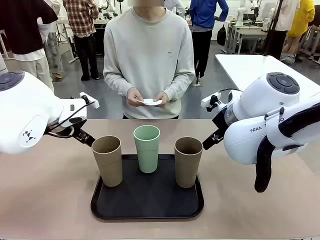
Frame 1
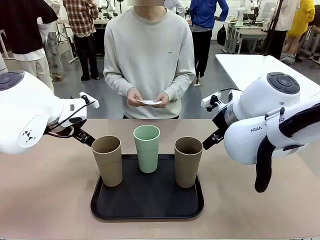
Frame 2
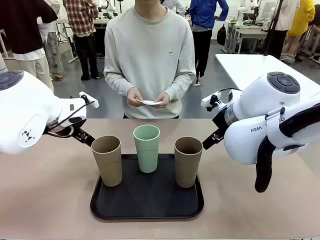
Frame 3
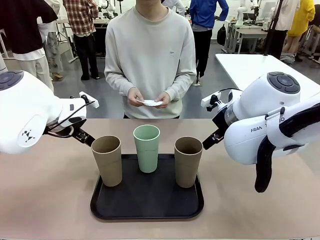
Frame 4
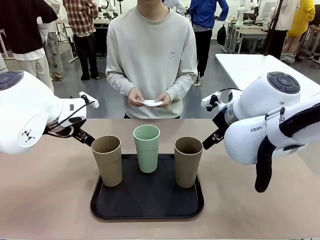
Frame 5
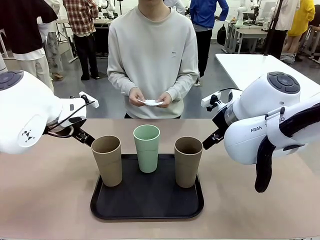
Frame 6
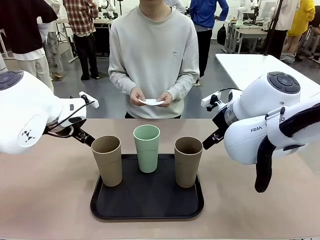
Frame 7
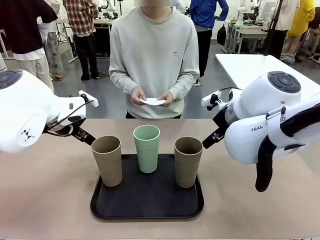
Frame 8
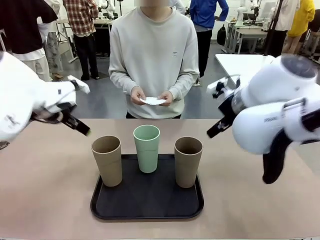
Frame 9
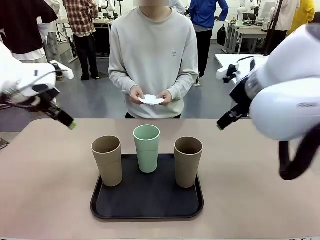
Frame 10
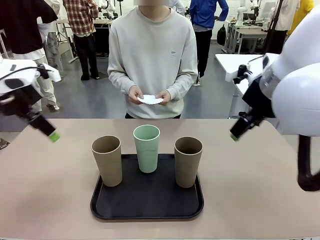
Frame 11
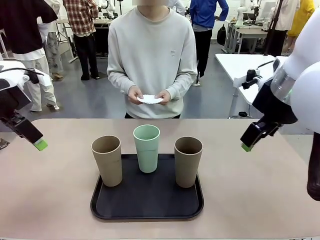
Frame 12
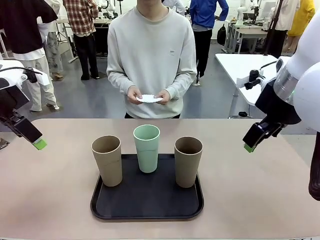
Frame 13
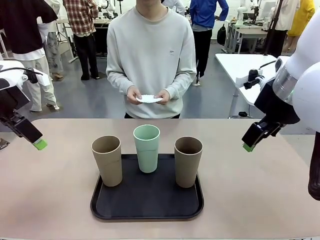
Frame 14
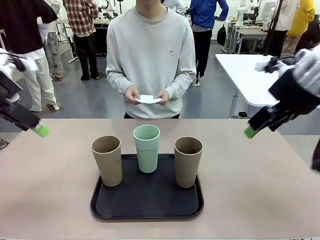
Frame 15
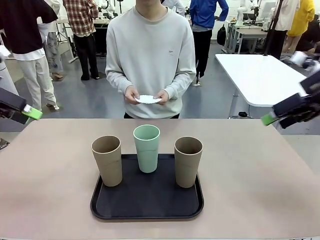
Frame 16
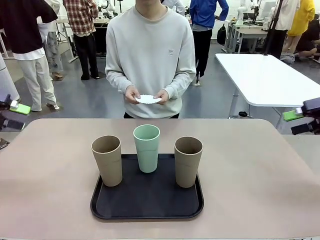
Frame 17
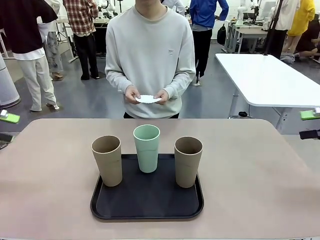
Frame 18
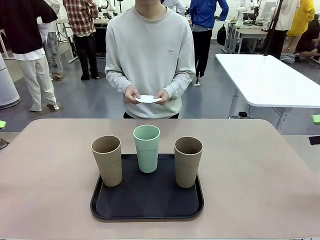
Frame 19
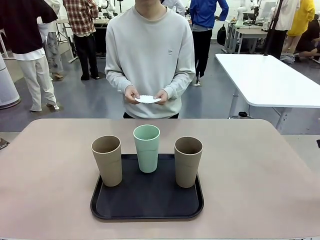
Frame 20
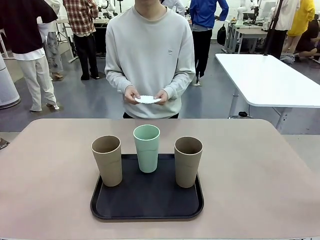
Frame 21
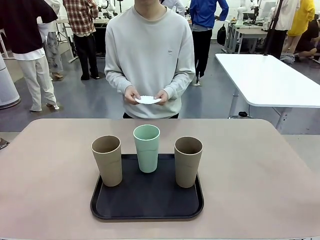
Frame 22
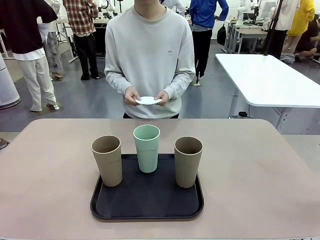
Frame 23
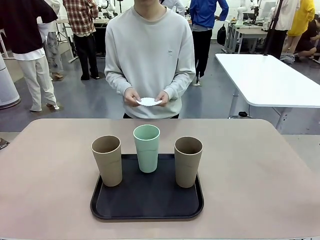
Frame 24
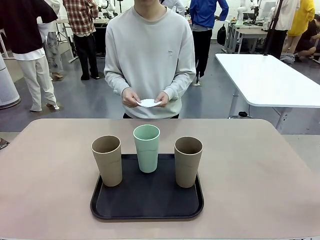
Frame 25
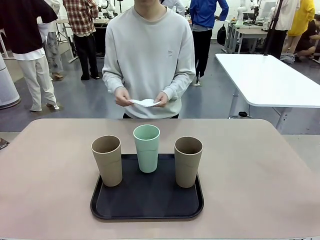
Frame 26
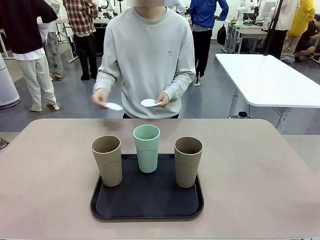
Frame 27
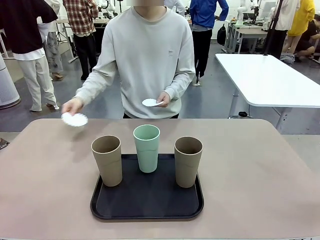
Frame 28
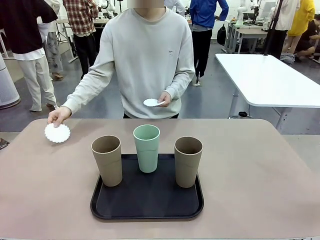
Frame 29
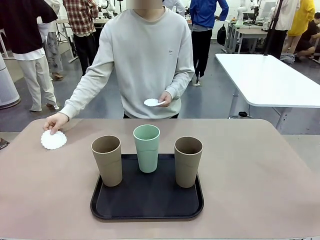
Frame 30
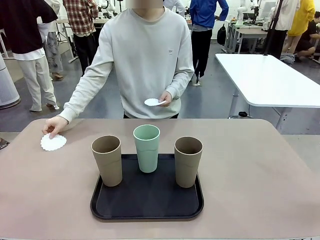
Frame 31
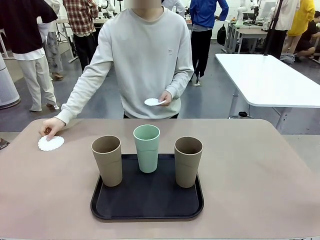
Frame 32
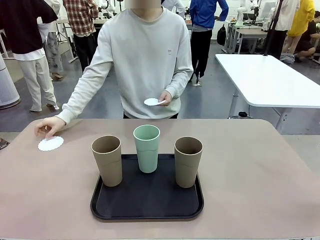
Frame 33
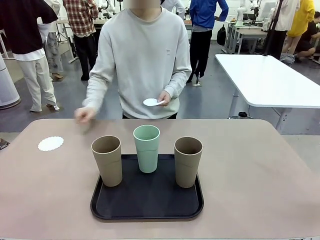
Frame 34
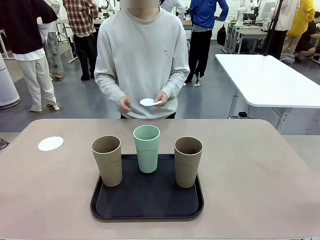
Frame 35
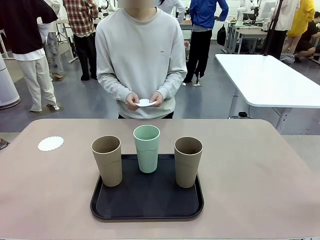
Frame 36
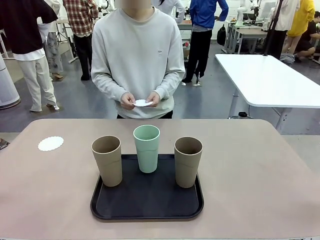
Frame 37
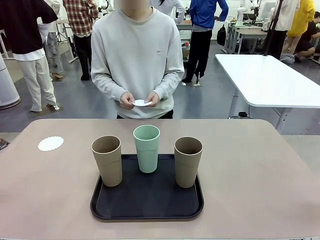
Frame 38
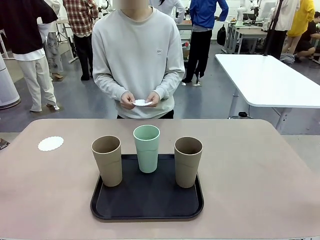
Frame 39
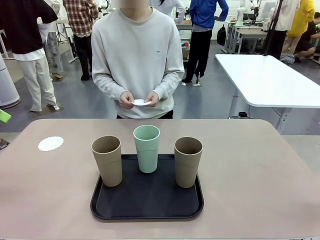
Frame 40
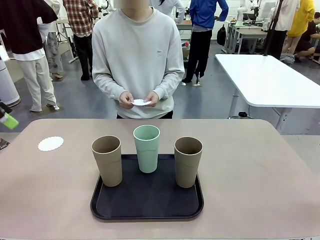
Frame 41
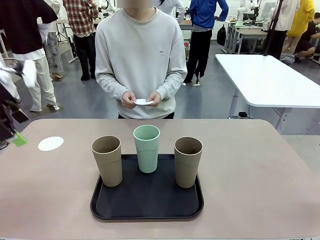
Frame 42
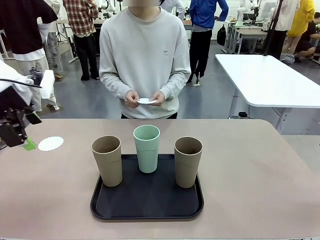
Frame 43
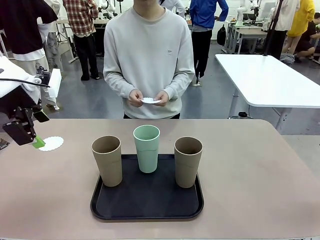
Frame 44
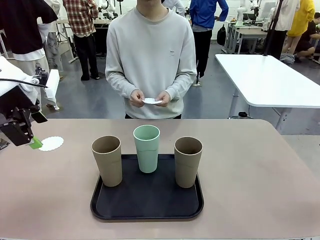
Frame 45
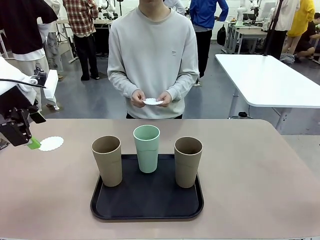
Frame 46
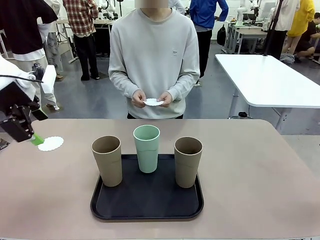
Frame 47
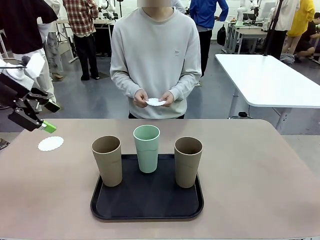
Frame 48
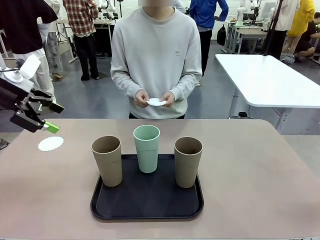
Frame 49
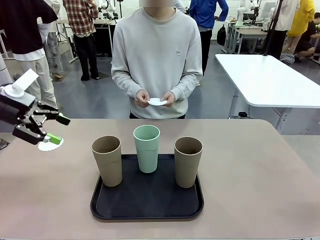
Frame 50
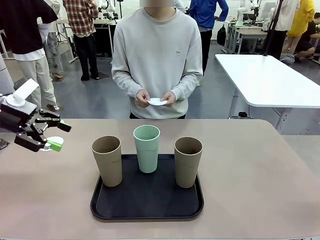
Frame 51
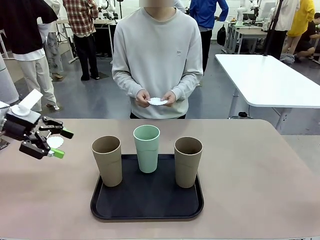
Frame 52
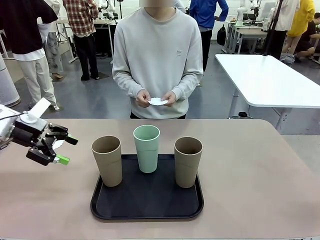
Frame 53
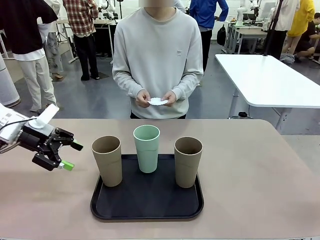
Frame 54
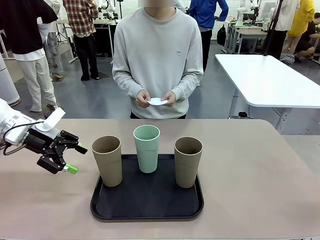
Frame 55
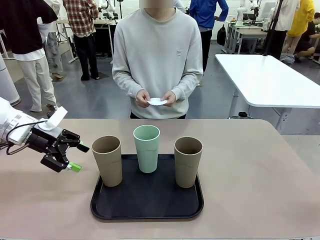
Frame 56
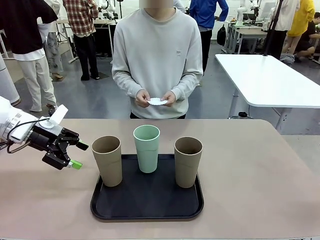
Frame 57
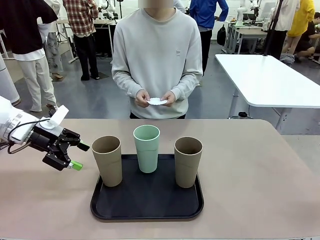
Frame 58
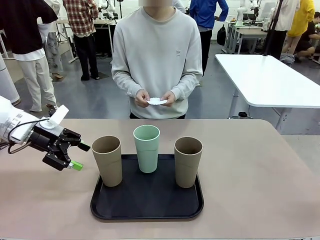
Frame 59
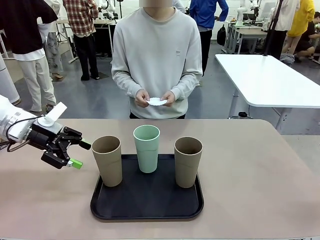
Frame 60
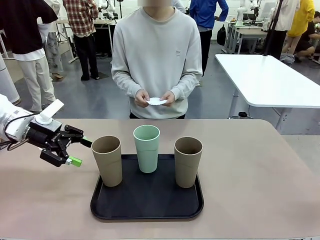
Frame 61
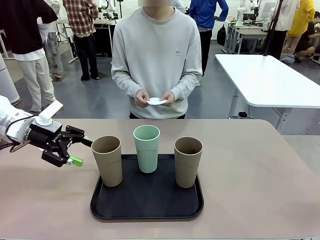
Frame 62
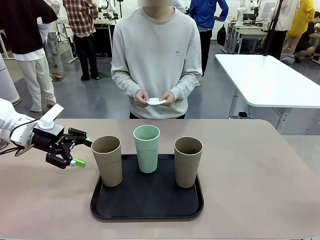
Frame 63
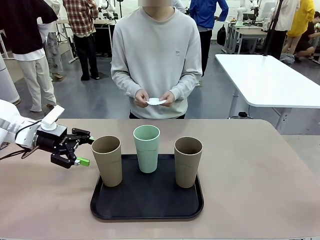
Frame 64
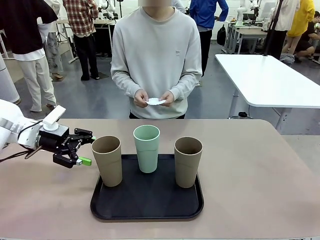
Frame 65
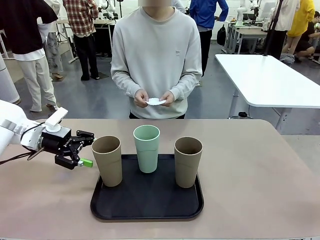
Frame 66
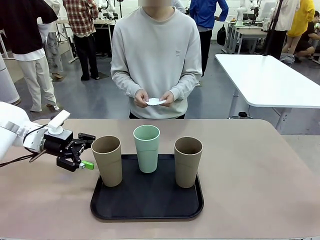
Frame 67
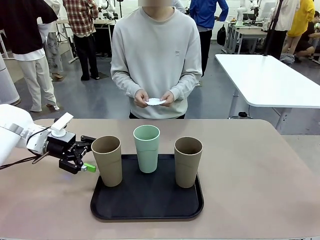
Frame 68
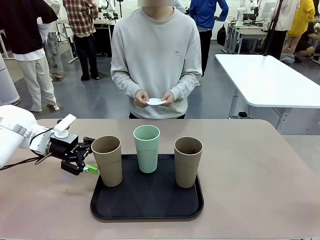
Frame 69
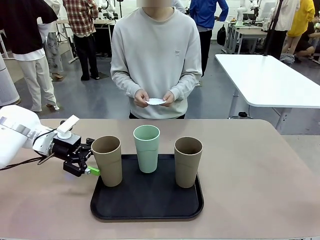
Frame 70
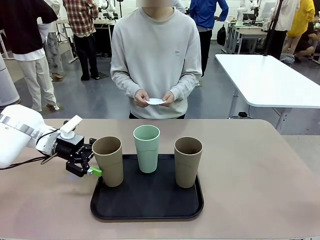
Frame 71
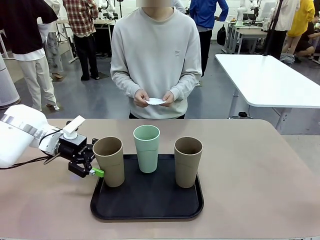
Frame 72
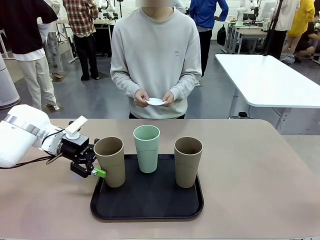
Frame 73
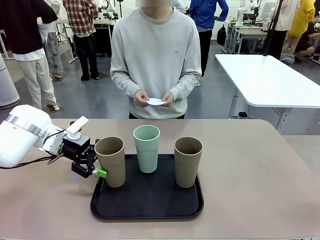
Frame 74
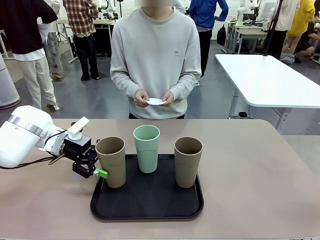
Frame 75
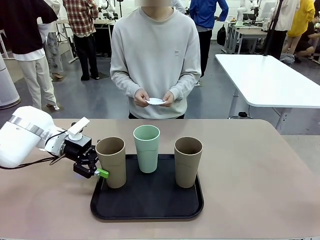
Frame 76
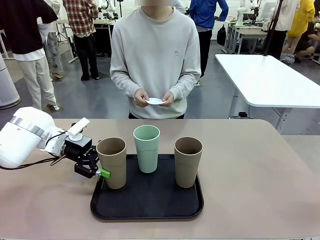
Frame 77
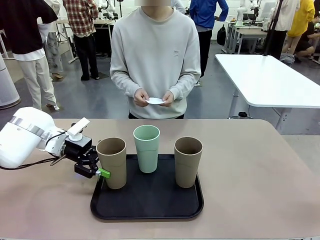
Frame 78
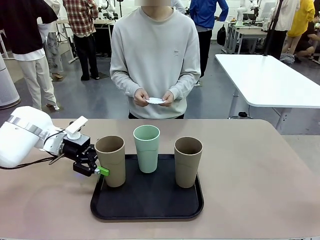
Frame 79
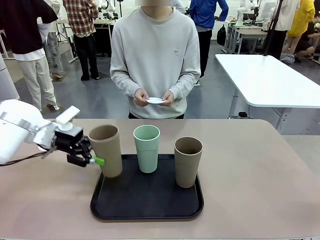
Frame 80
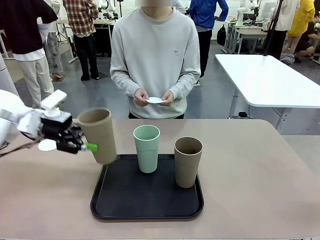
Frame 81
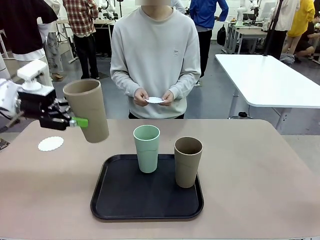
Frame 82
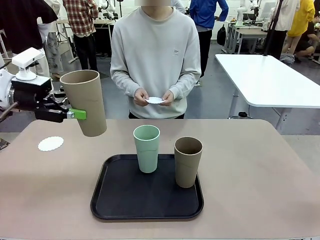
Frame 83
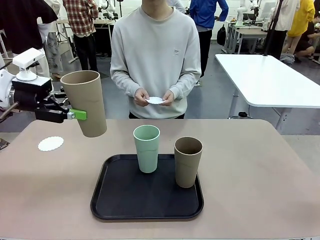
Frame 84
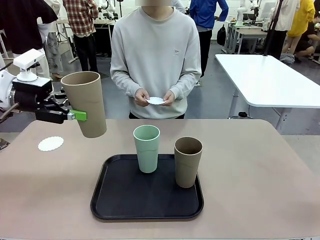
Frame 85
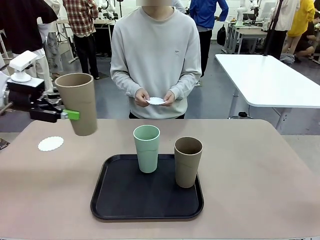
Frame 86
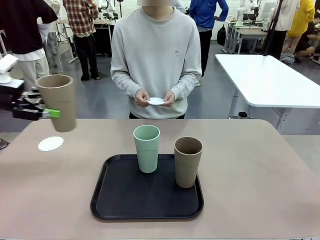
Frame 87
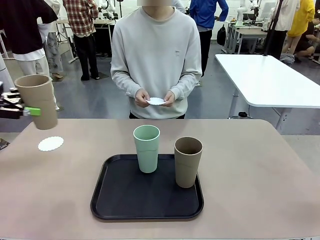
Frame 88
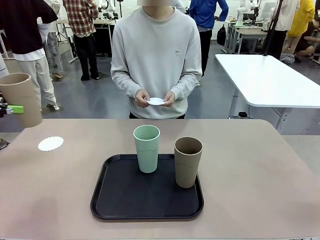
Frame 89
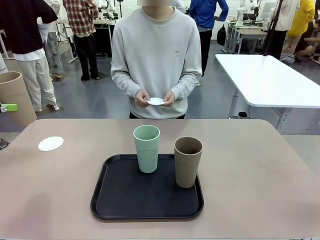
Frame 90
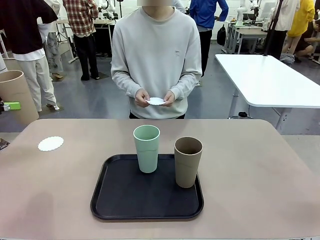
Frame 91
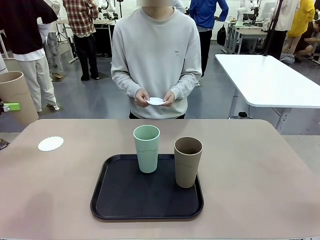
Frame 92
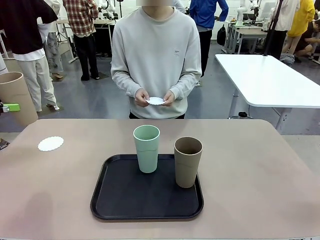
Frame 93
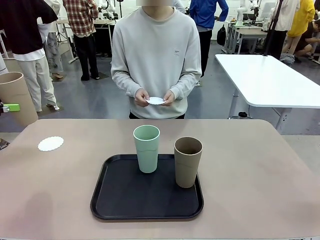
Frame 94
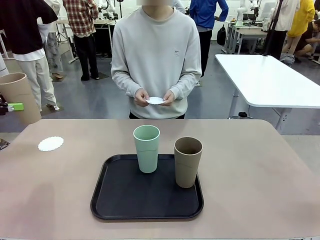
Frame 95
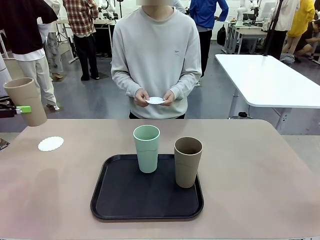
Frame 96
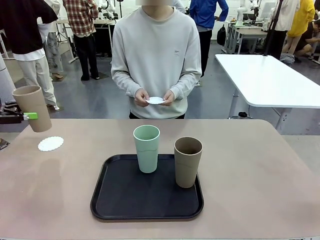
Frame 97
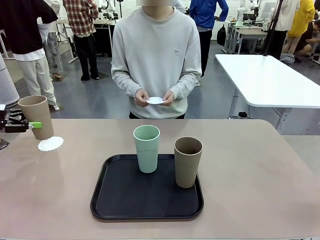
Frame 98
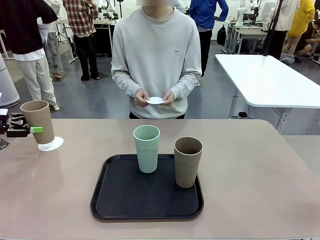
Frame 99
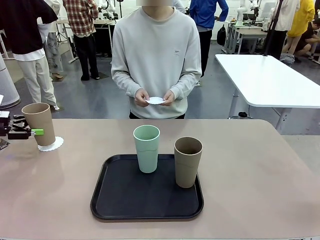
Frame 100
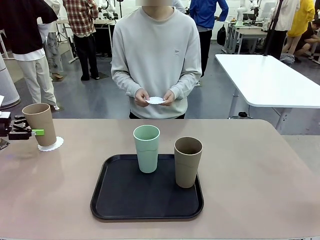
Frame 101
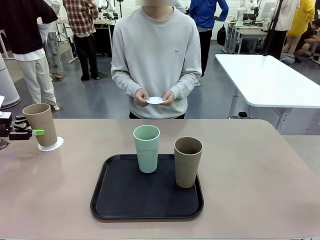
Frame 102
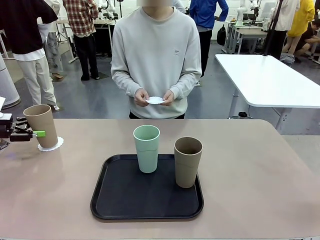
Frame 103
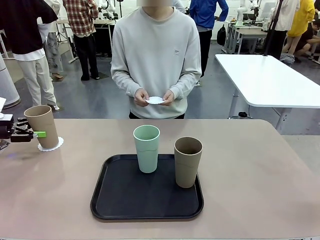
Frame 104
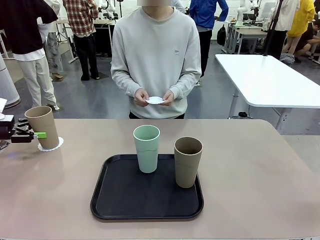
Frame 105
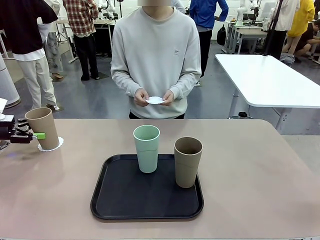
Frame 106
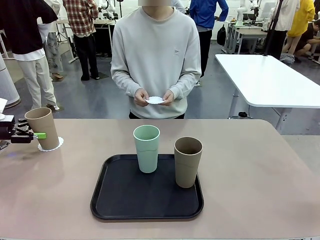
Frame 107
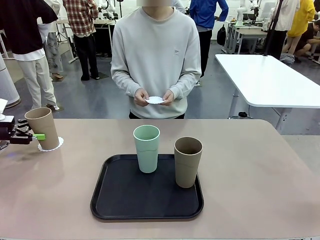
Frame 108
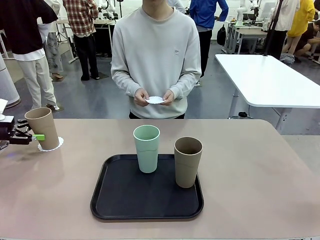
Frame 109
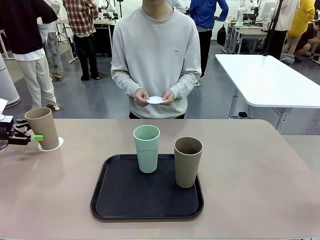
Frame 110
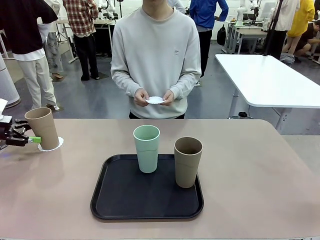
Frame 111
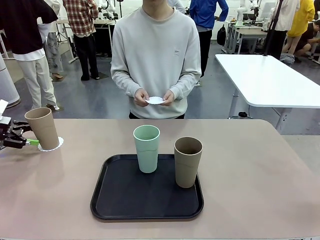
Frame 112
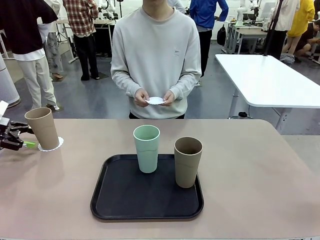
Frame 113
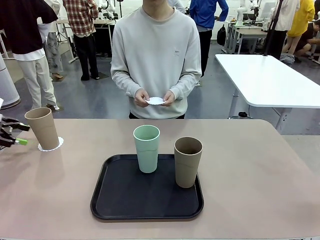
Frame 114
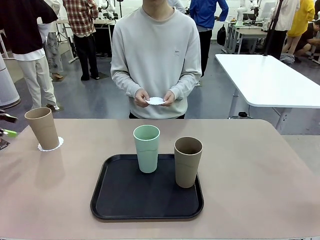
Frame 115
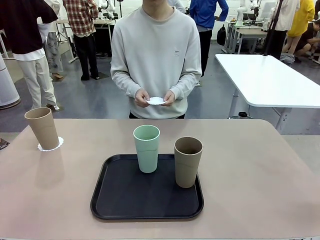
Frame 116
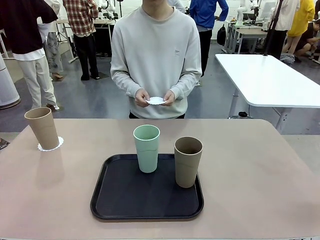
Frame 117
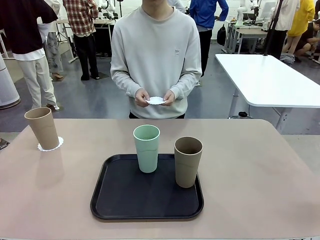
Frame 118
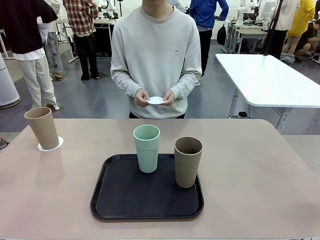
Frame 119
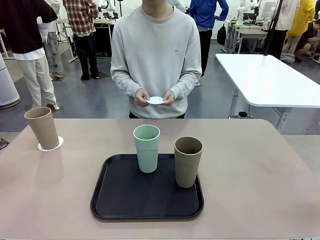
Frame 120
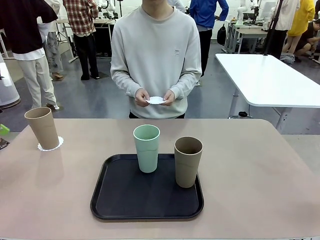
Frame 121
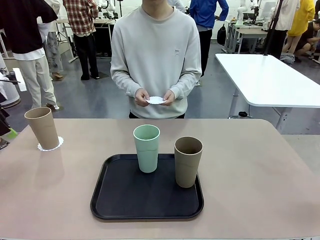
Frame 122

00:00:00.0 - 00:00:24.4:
Task: Place coasters on the table and set cups on them.
Robot: Pick up one Reusable plastic cup and place it on a coaster set by the human.
Person: Place one coaster in any one of the three lower areas of the robot table (left, center, or right). Place one coaster in one of the two areas excluding the previously selected area.
